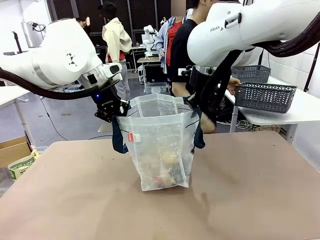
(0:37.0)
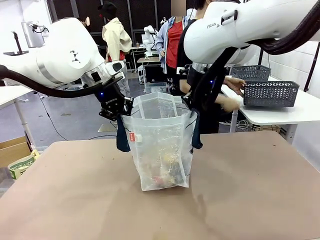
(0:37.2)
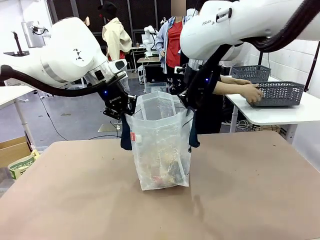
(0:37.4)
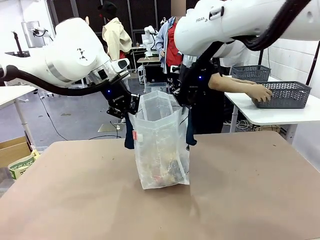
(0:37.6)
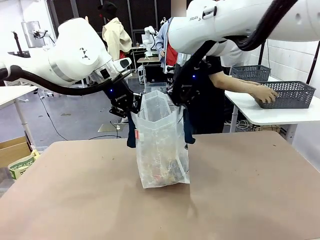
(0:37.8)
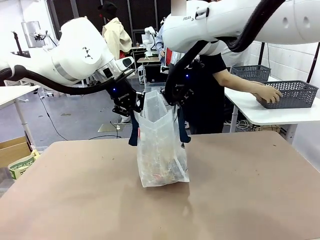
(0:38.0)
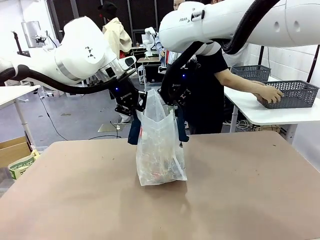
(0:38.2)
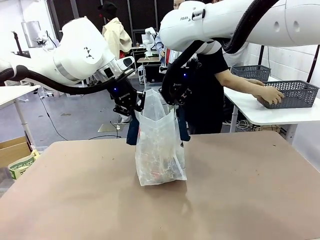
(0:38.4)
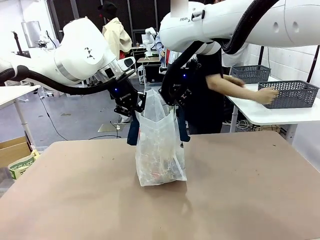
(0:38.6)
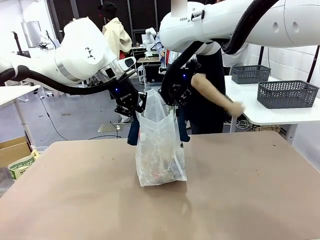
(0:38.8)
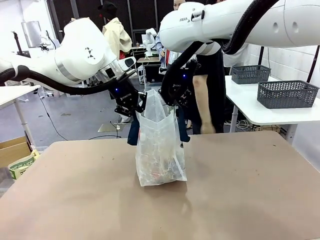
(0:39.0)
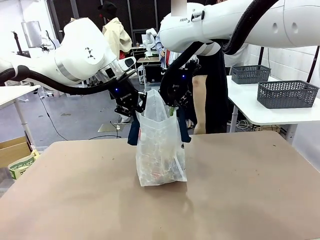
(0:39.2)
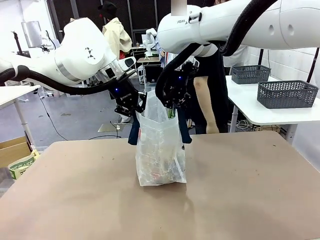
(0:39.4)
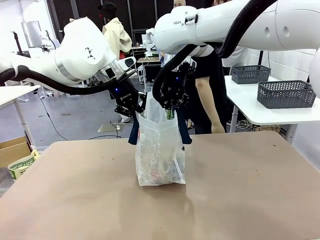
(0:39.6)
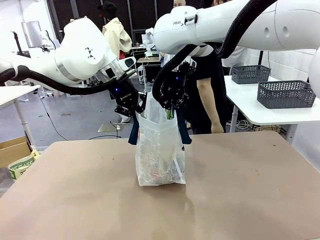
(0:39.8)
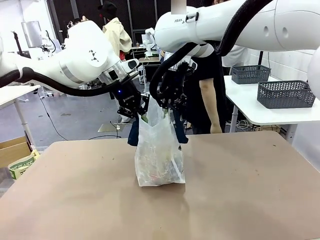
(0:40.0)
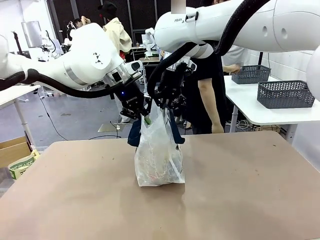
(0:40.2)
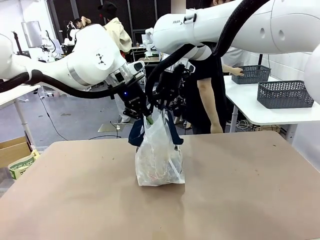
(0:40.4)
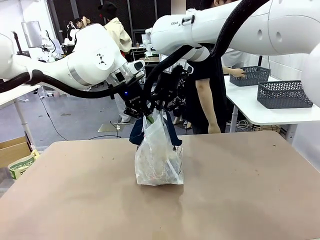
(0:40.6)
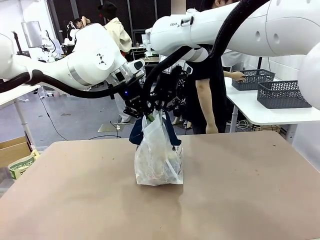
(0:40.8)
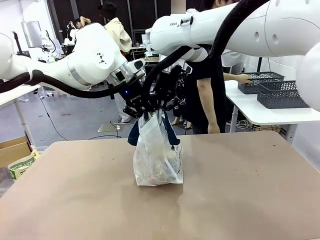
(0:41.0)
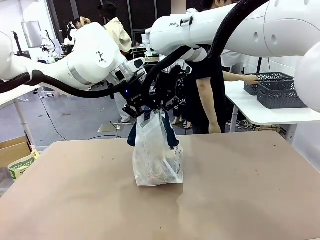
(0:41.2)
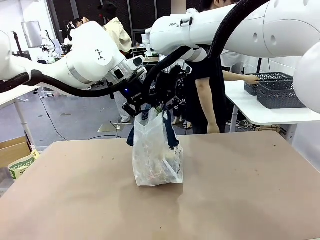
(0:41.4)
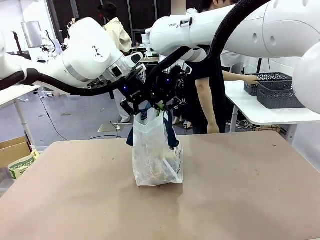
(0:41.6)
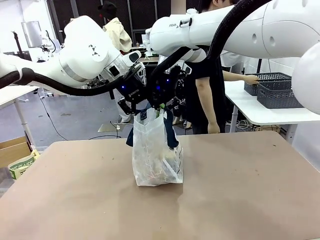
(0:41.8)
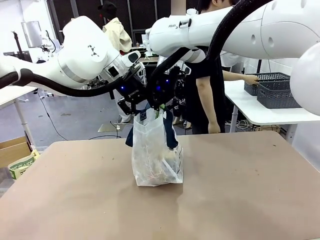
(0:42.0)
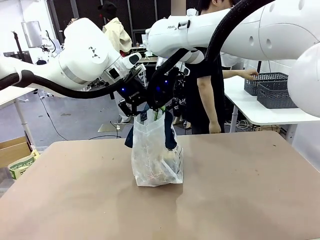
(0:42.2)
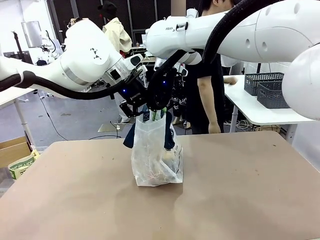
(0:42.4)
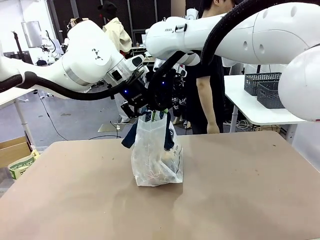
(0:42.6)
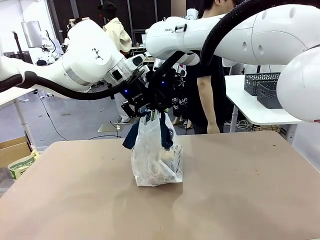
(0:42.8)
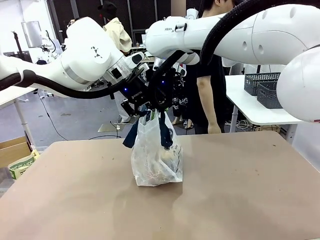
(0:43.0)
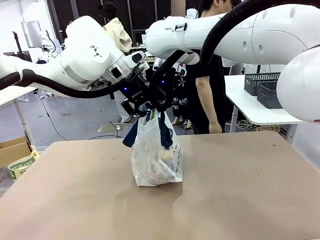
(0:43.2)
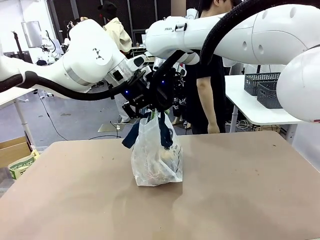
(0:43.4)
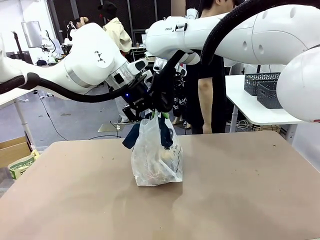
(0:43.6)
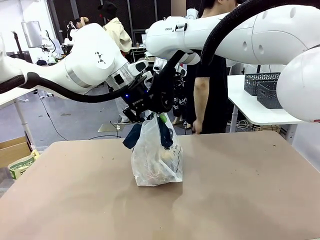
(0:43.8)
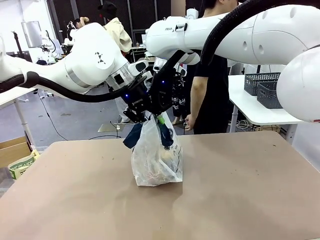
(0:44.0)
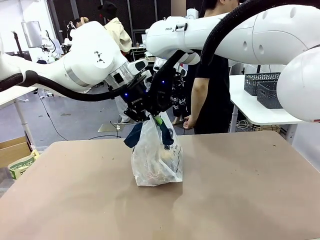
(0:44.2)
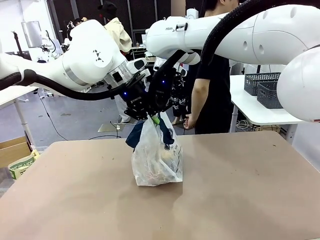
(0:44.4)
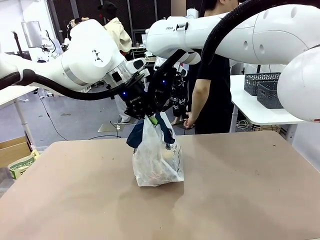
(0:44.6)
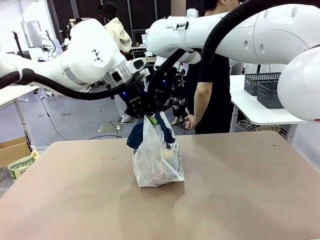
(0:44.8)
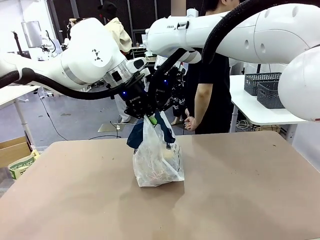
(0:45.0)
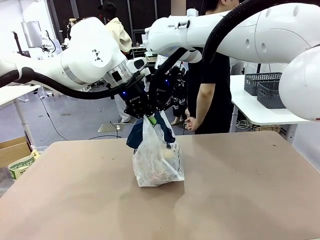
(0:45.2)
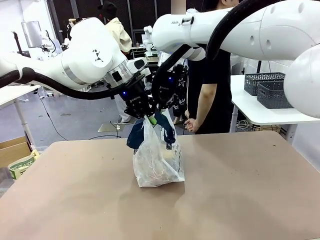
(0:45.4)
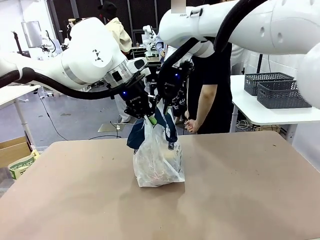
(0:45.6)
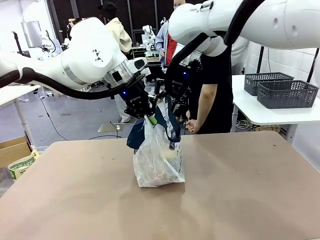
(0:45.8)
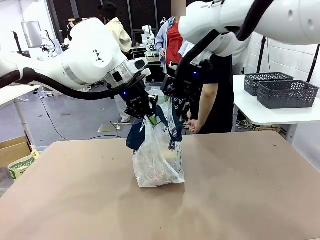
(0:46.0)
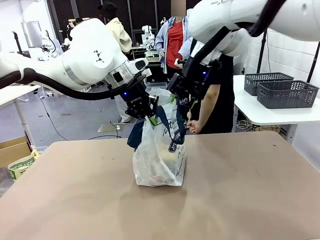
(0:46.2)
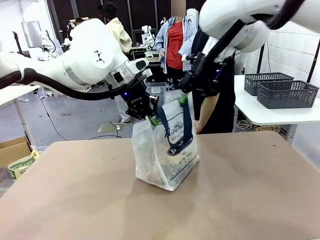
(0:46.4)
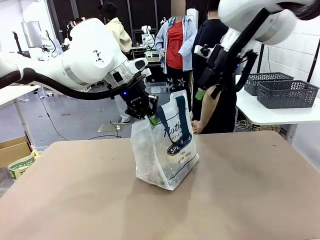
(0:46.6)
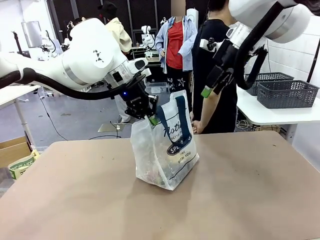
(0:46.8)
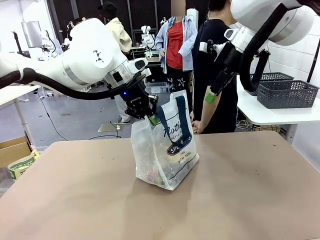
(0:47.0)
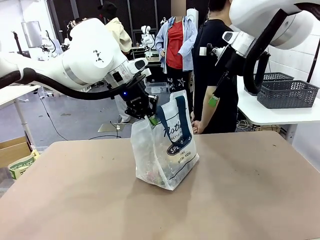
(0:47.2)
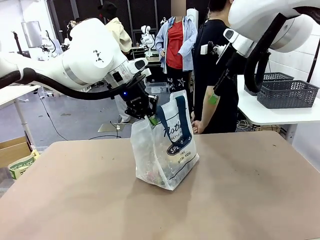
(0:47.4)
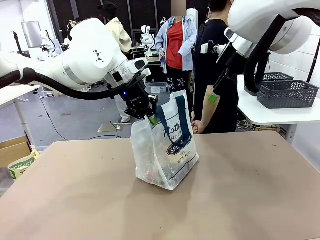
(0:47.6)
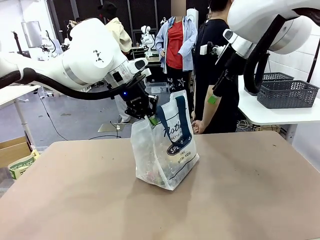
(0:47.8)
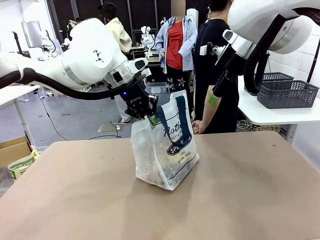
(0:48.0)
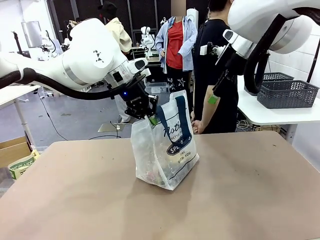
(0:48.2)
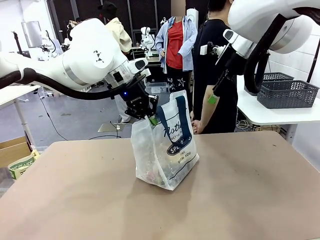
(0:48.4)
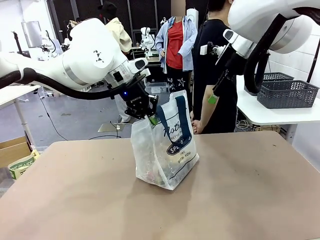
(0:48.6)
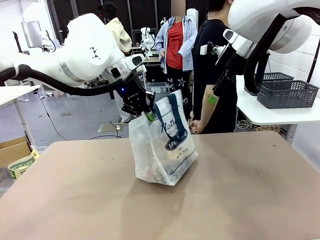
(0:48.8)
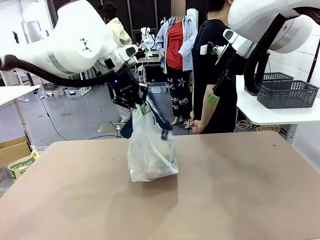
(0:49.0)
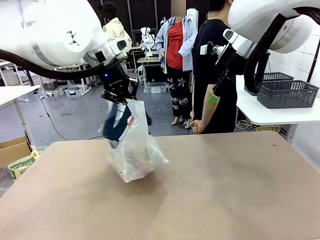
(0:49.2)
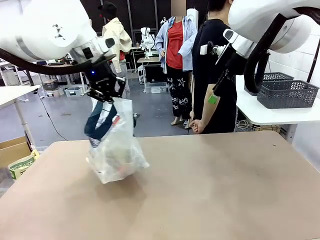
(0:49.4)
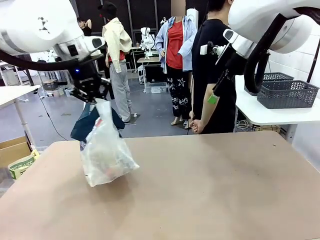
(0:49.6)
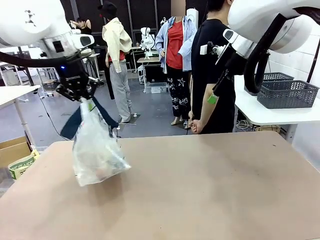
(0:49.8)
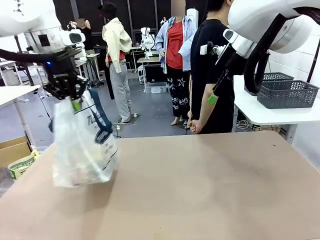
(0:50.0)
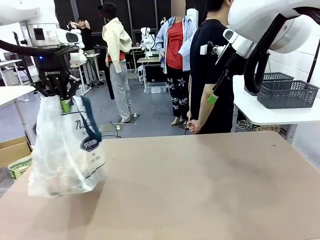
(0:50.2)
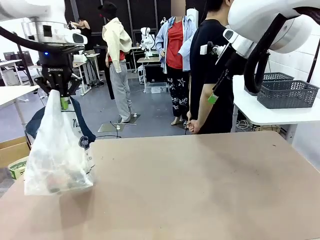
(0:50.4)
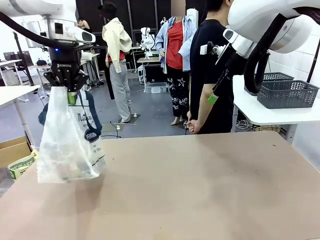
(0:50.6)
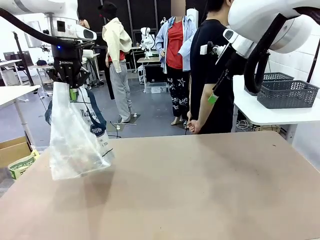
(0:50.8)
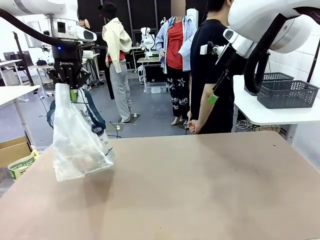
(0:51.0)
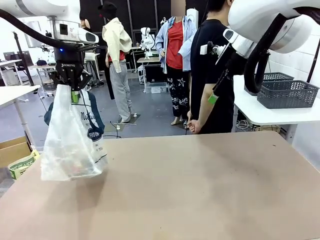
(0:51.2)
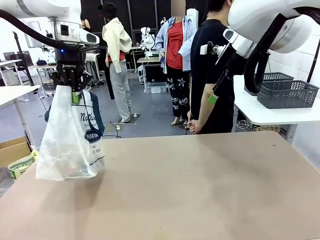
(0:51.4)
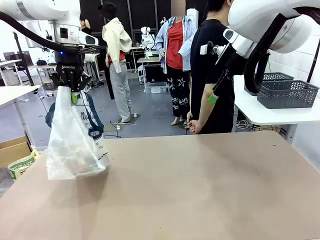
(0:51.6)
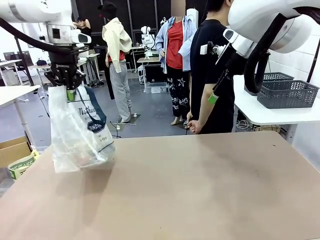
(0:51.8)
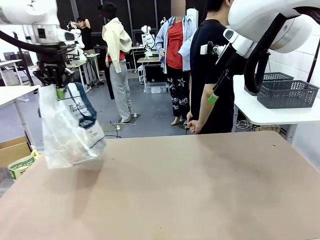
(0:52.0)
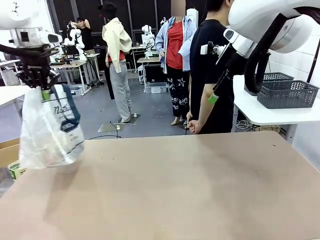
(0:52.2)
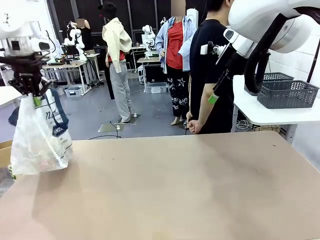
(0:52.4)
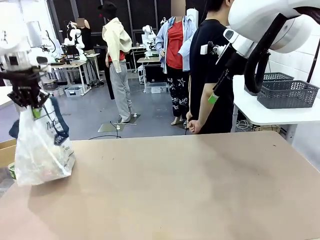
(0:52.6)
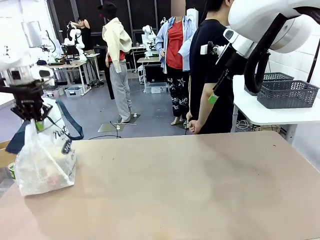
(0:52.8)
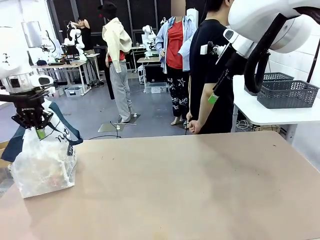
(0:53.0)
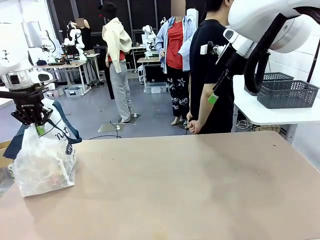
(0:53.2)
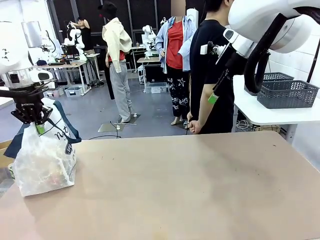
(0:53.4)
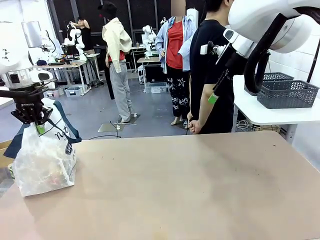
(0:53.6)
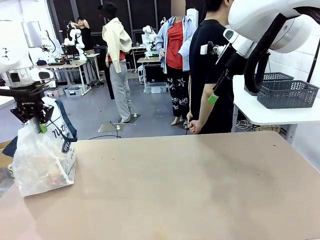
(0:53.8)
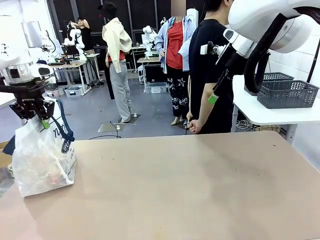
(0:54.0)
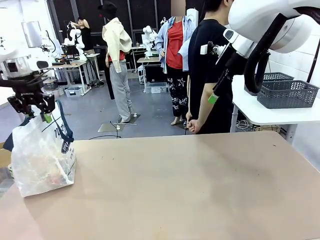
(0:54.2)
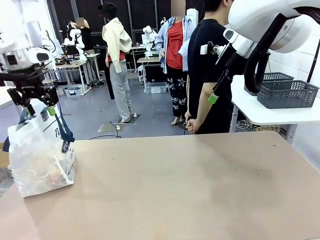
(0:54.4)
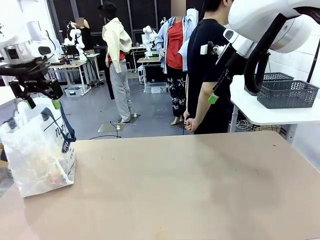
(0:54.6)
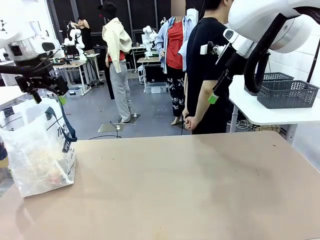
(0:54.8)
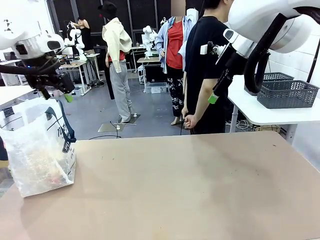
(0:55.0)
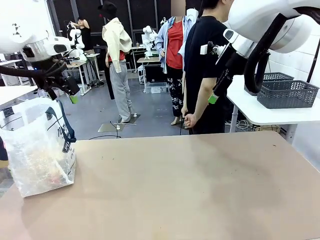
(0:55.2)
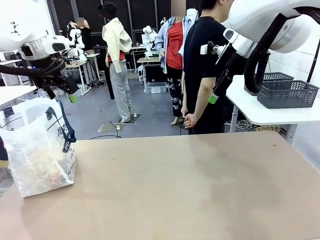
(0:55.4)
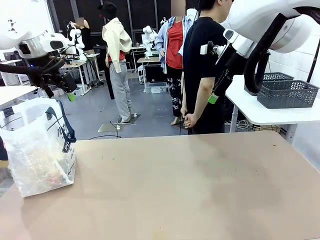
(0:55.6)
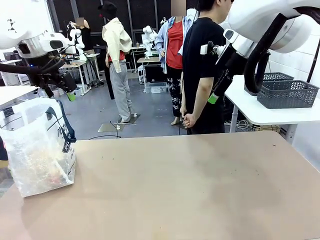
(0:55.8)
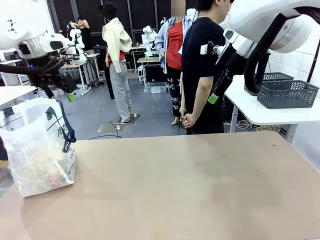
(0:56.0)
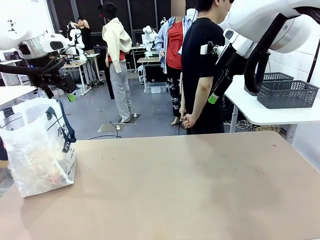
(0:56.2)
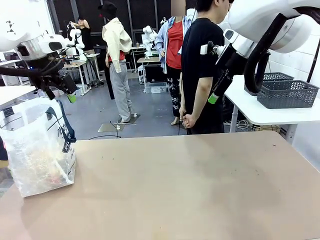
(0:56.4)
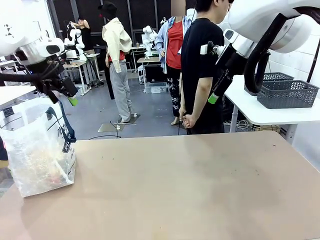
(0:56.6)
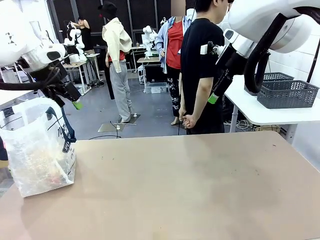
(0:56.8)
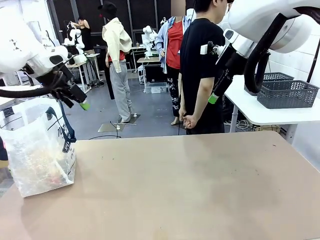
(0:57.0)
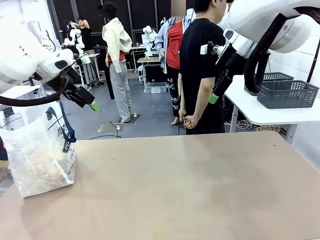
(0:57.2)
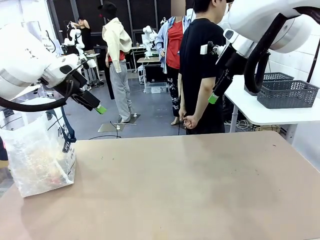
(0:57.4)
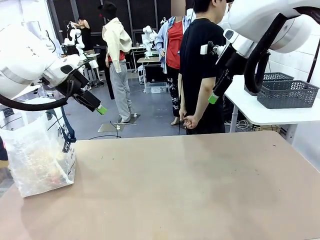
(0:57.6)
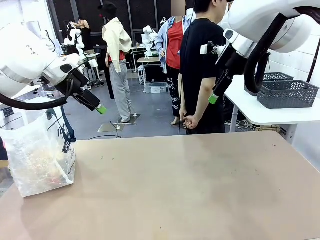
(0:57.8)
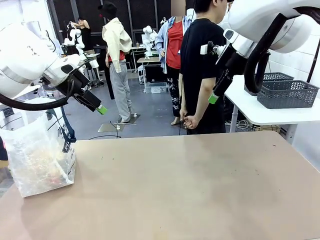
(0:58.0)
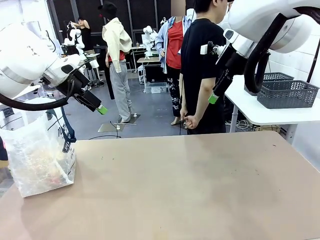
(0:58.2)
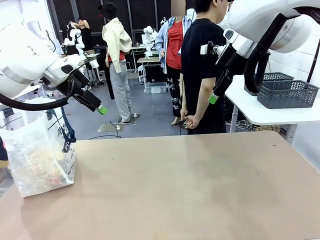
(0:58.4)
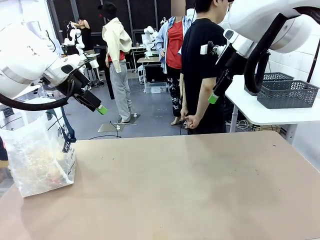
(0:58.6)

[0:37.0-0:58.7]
Task: Transfer purchased items from the store into the shopping bag.
Robot: Move the Reusable shopping bag to the right side of the table.
Person: Move the basket on the left to the middle of the person's table.
